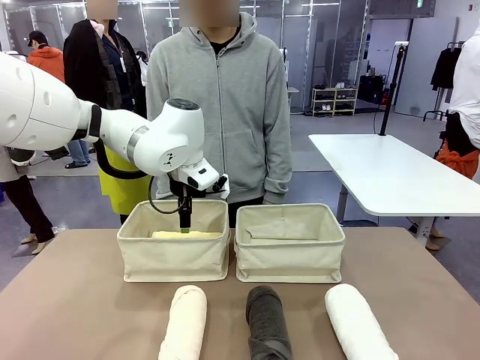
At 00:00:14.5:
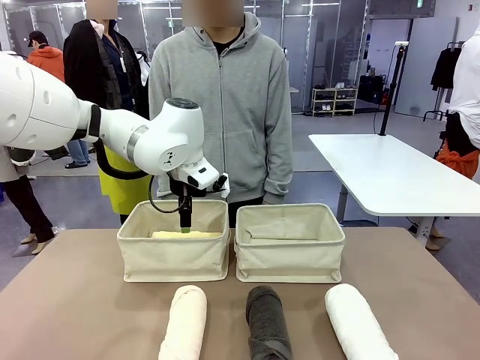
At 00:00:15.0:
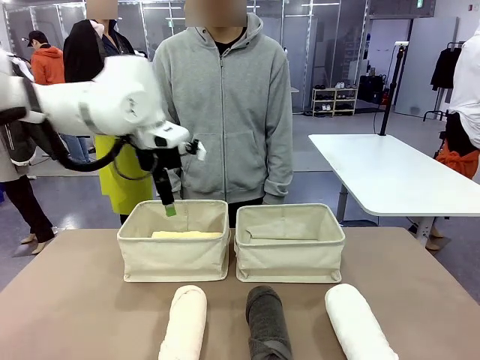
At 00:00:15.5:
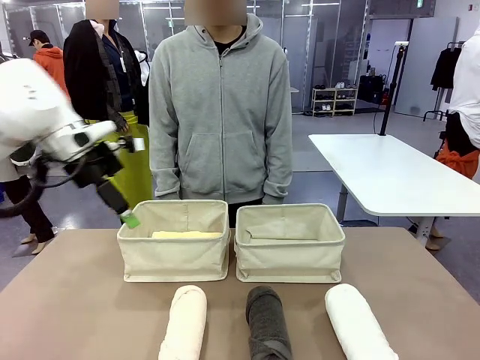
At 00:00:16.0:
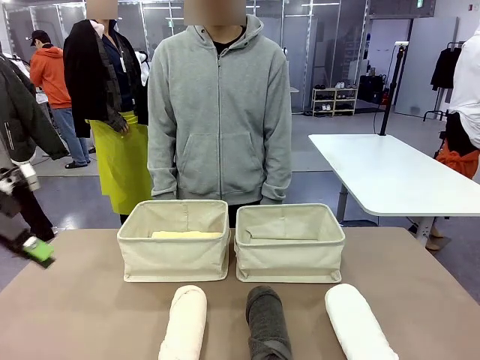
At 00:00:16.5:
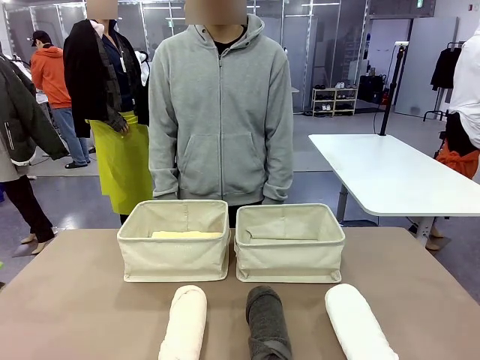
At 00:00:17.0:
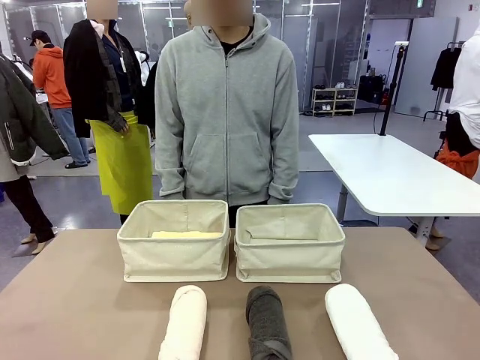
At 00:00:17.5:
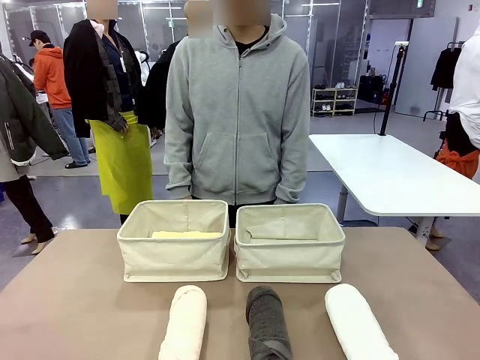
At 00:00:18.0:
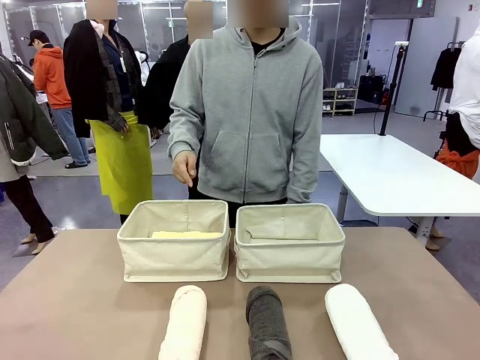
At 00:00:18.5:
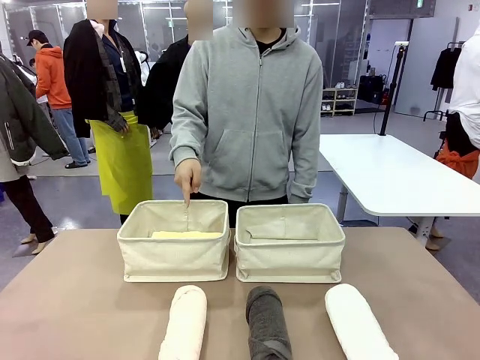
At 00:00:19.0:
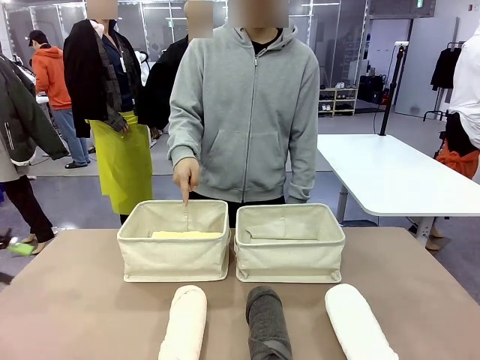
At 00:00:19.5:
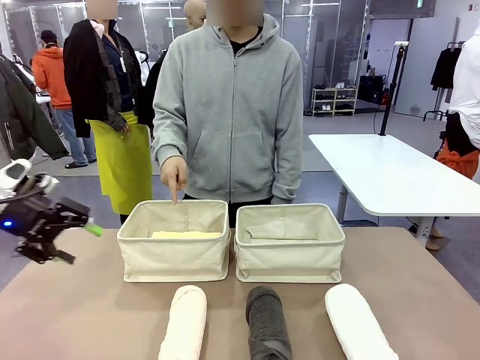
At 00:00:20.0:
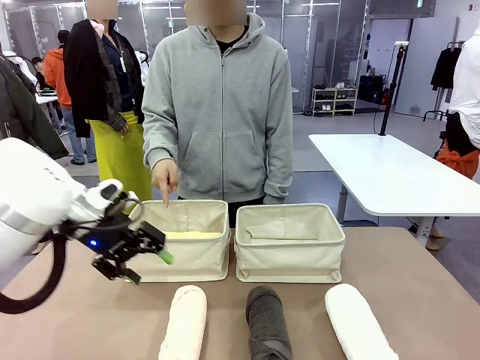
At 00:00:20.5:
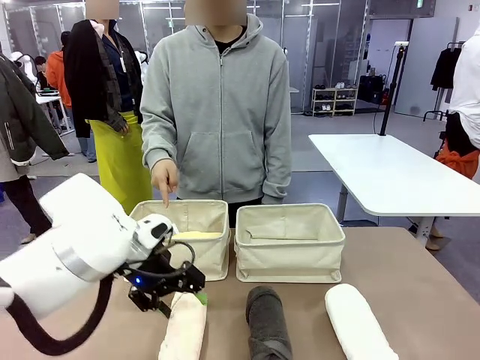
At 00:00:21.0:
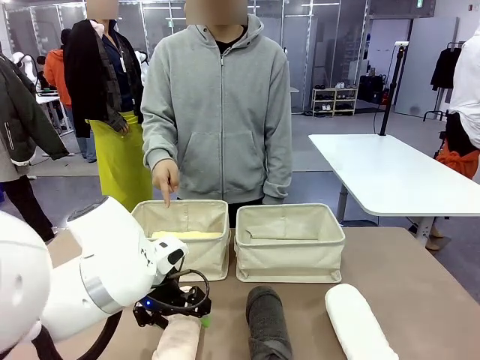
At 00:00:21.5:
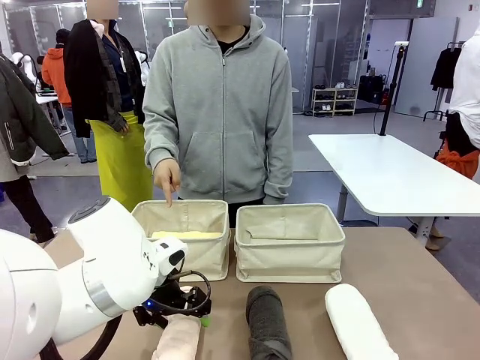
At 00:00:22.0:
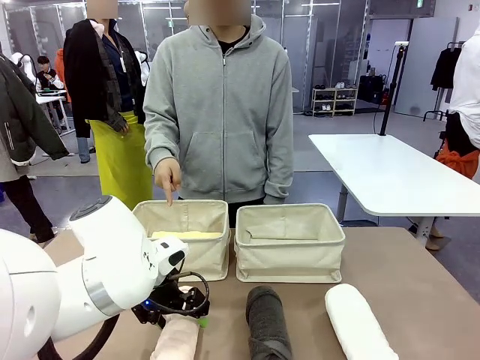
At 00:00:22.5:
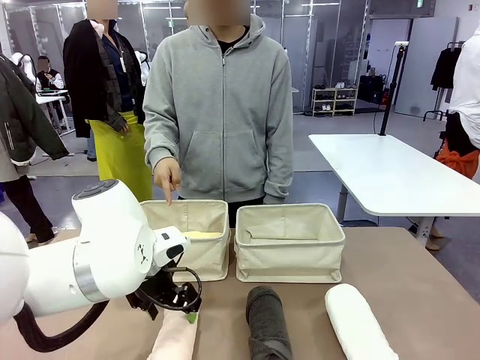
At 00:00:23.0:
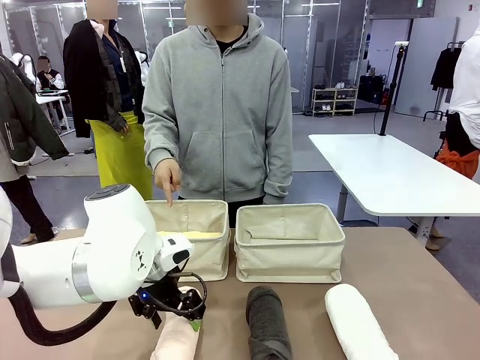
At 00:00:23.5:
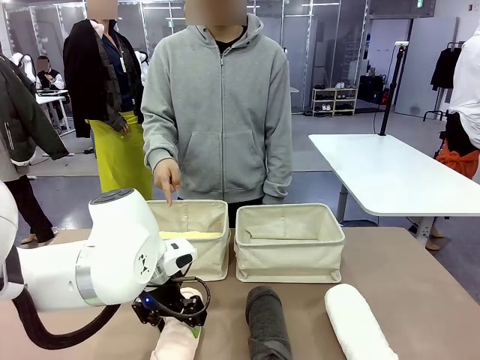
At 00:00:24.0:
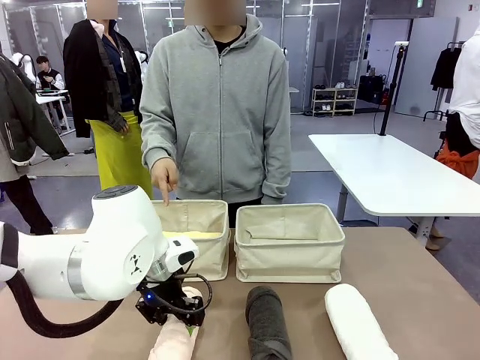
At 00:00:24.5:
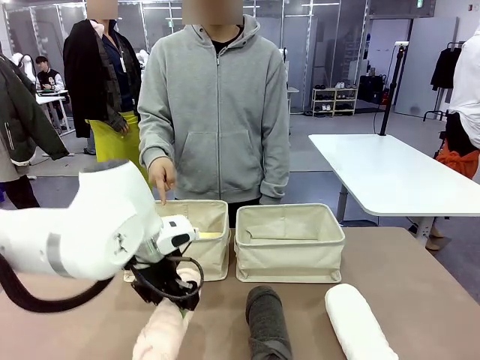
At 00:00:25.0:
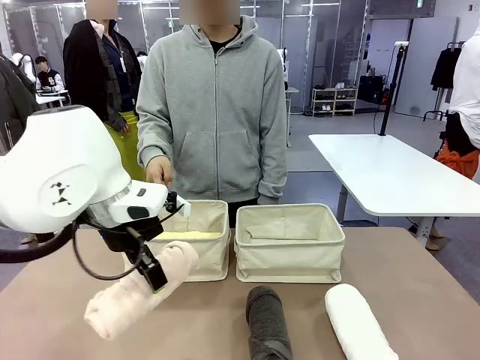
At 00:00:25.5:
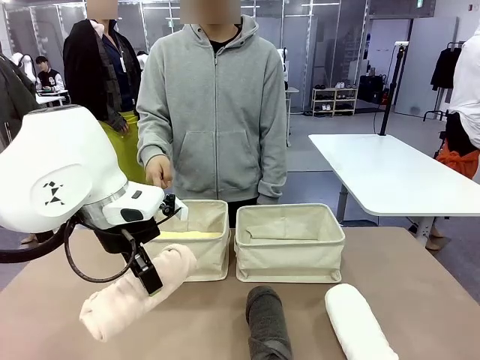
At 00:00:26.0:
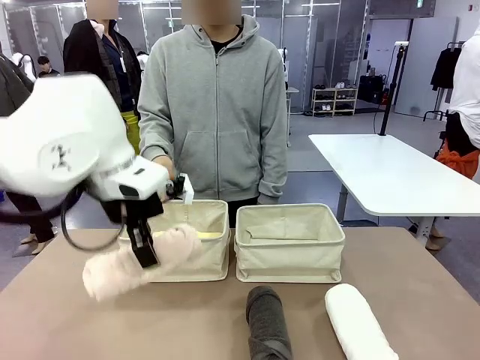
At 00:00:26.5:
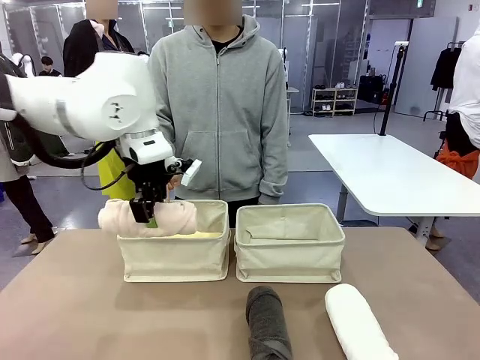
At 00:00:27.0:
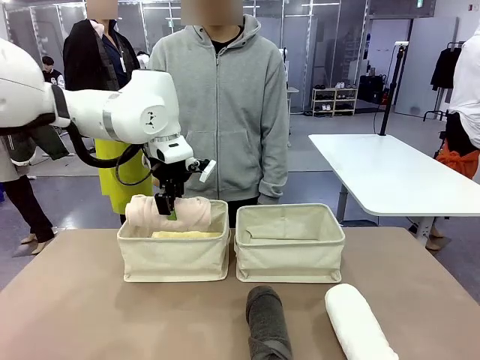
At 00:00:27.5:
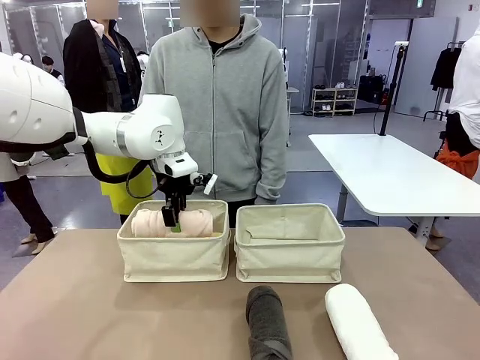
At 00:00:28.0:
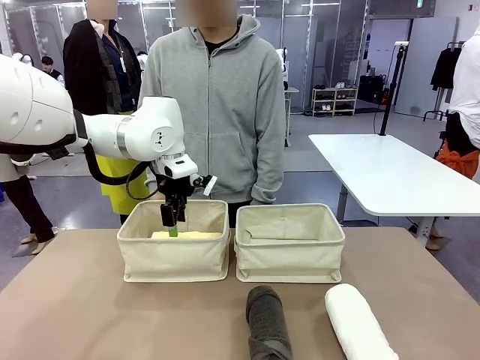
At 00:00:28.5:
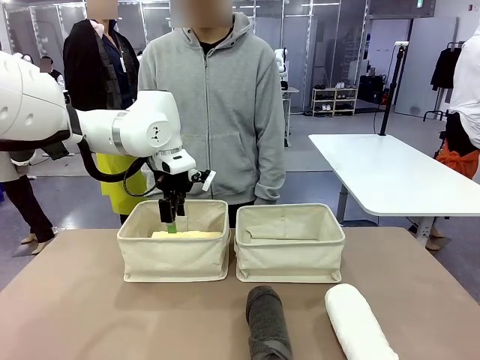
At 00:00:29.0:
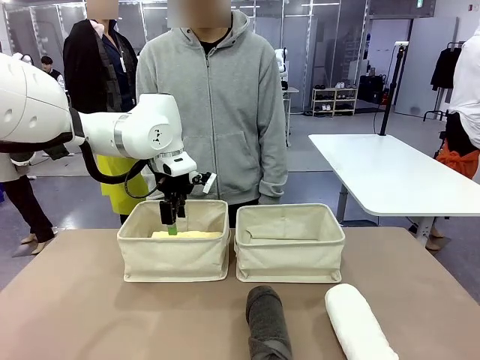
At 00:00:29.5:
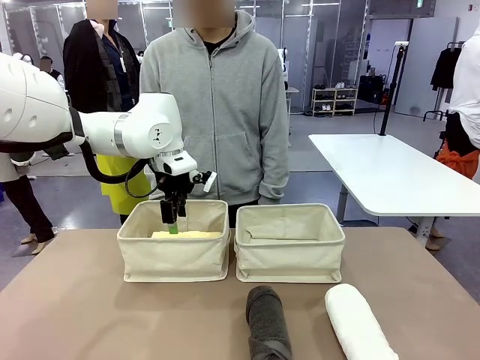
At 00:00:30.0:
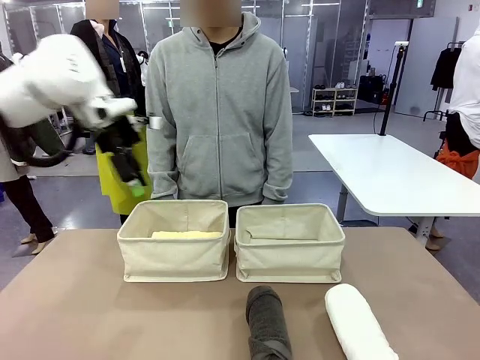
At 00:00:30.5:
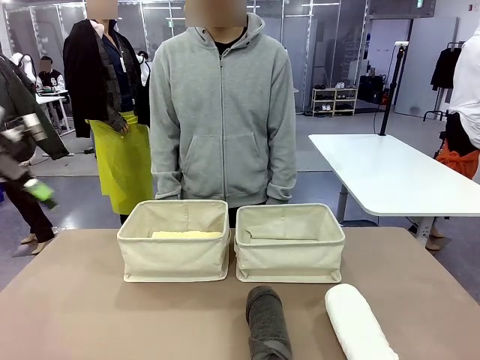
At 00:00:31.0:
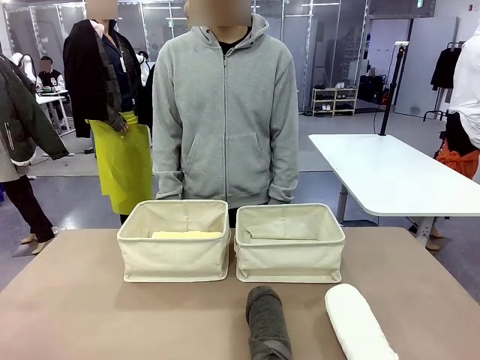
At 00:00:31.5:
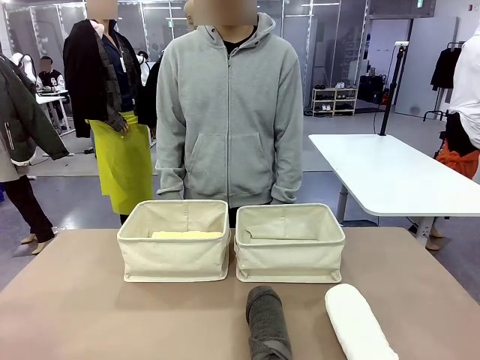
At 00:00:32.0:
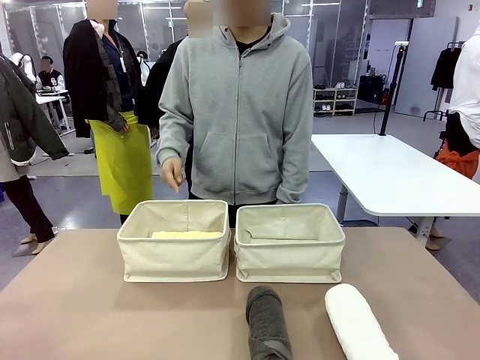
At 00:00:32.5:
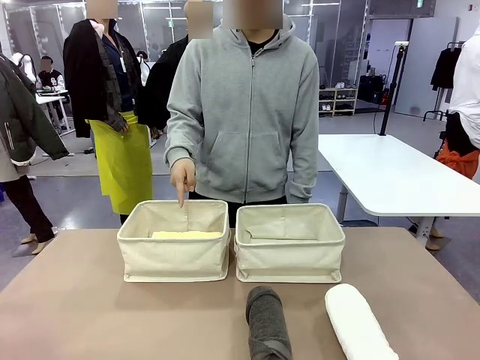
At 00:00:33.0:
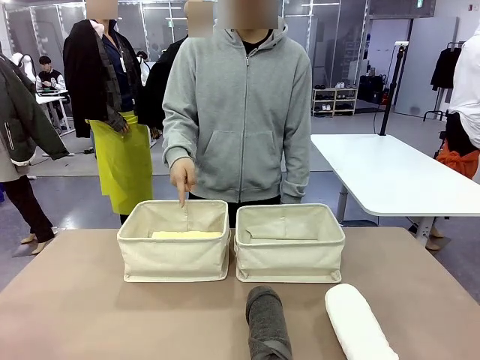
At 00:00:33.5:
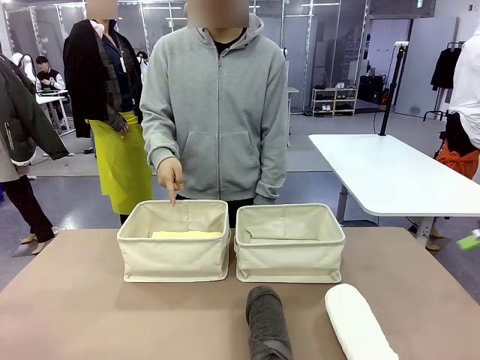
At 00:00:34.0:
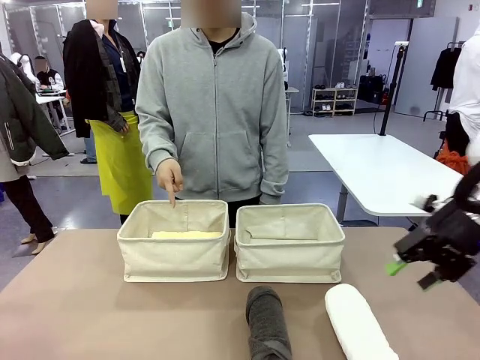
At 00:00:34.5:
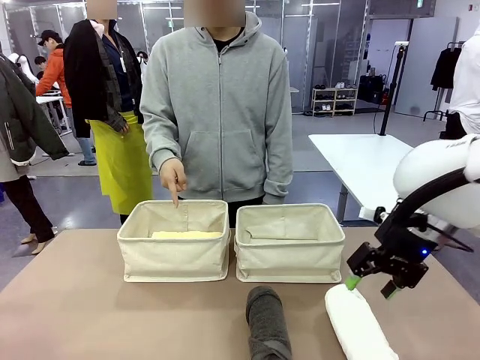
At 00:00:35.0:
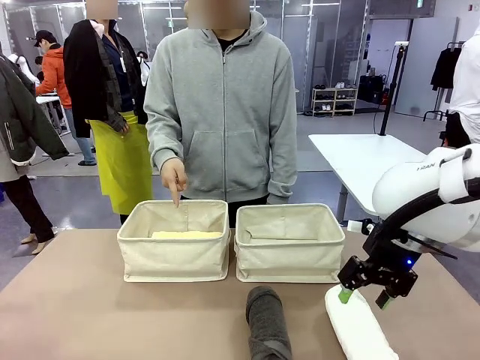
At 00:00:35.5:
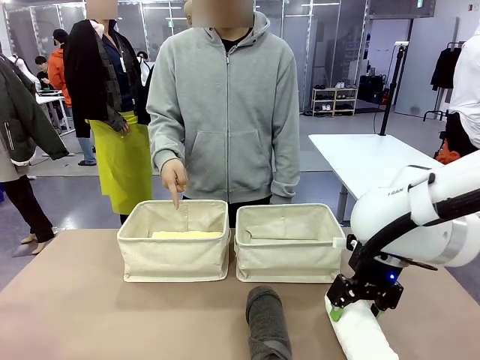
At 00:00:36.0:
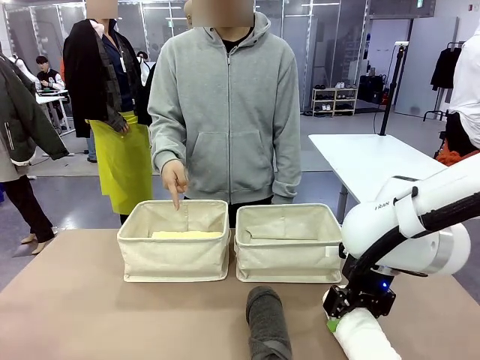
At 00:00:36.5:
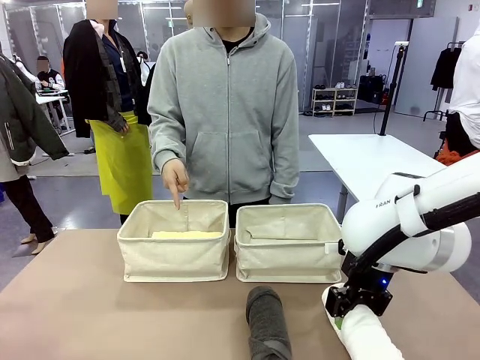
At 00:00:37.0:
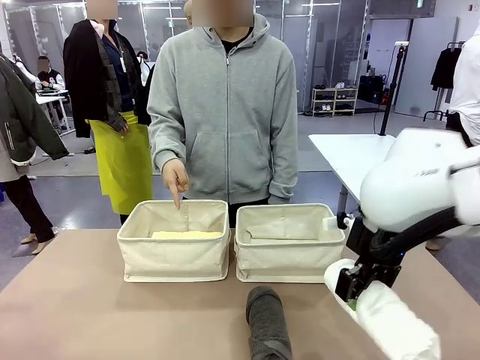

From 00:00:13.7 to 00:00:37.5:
Task: Divide the towels into two baskets.
Robot: Pick up one hotel-folded towel from the bottom of the table and place it in the Fabric basket indicated by the person.
